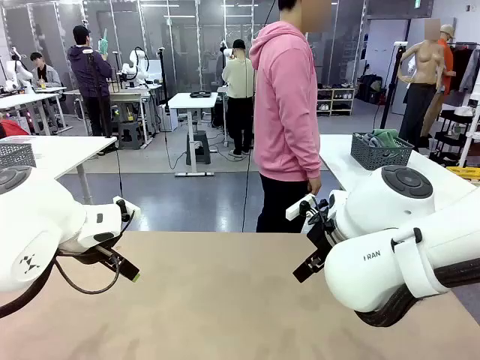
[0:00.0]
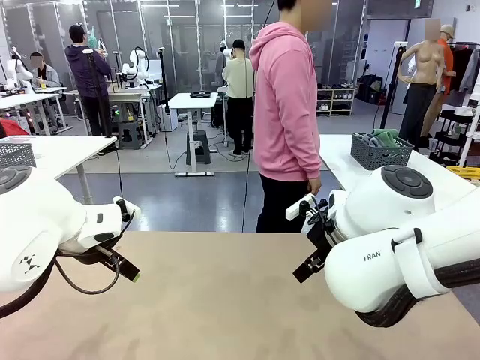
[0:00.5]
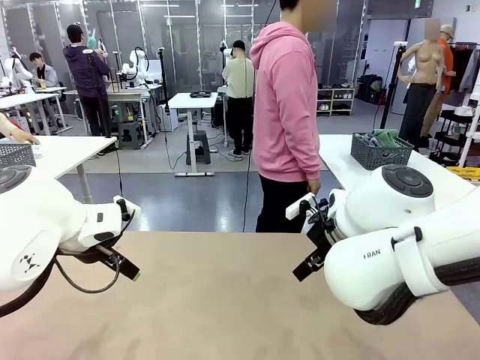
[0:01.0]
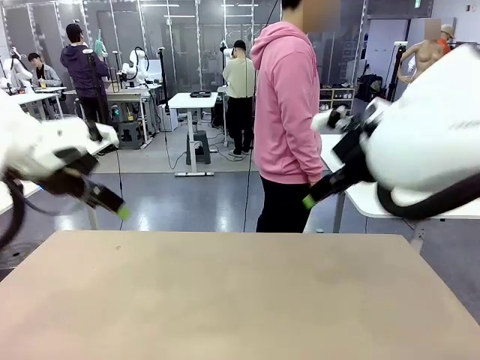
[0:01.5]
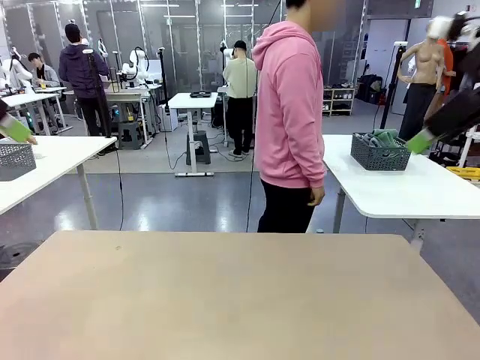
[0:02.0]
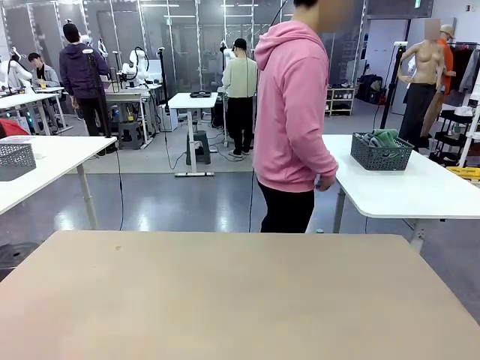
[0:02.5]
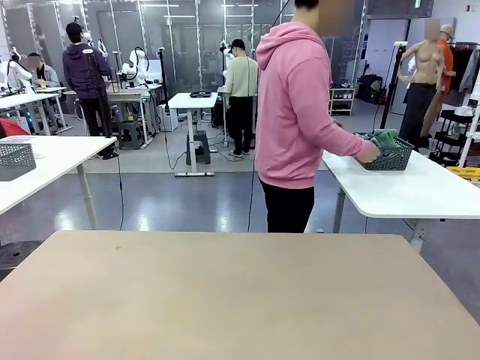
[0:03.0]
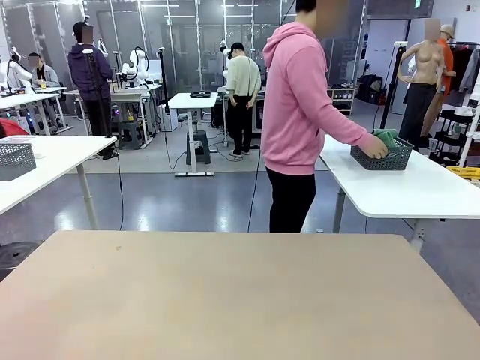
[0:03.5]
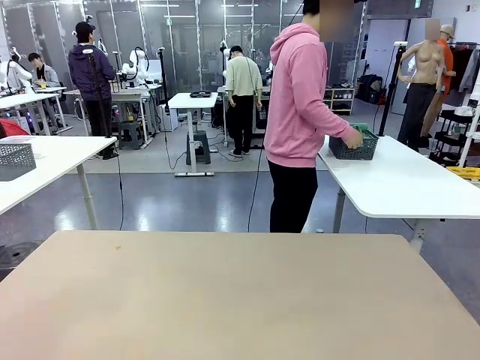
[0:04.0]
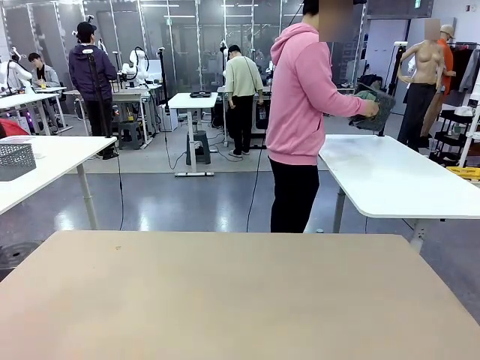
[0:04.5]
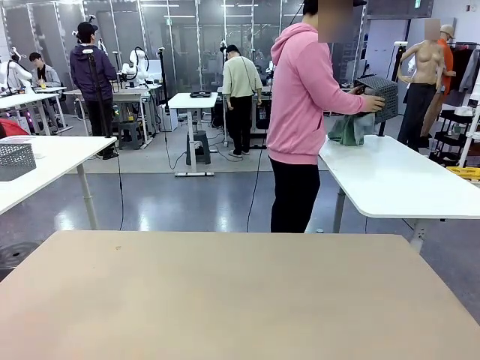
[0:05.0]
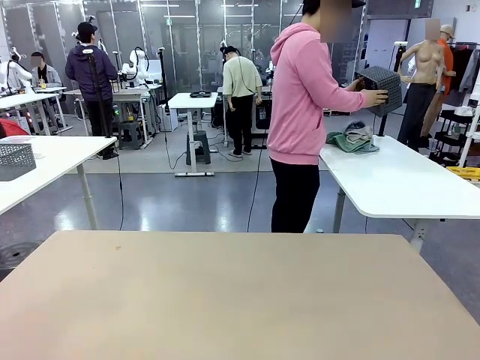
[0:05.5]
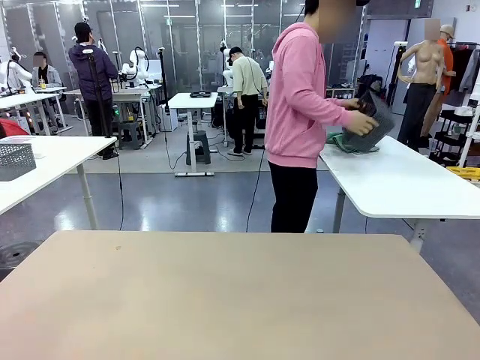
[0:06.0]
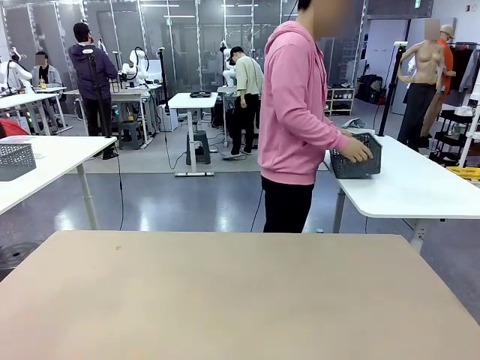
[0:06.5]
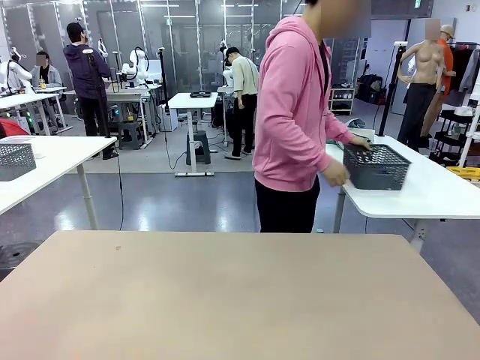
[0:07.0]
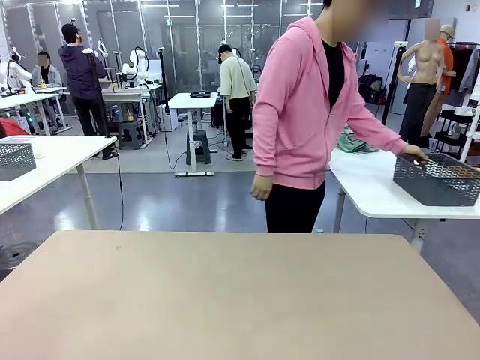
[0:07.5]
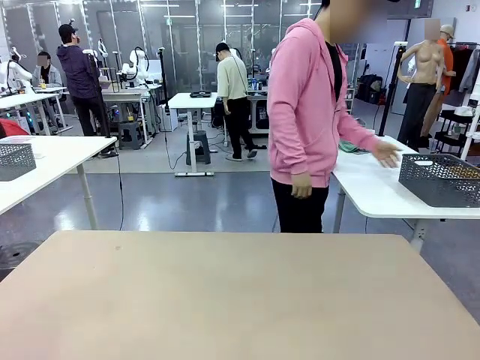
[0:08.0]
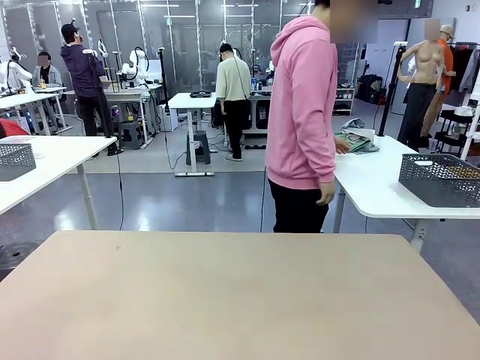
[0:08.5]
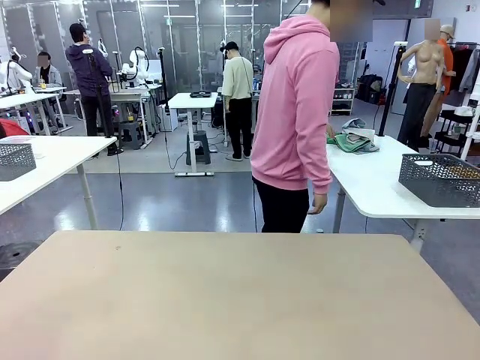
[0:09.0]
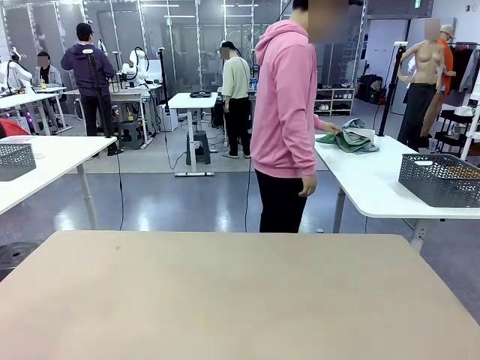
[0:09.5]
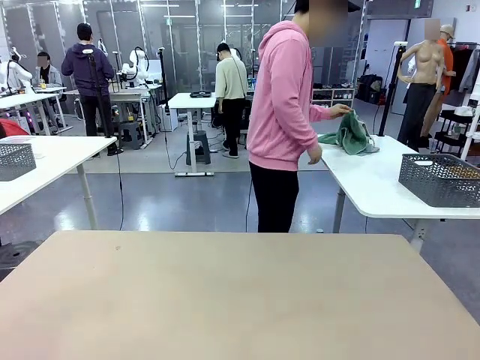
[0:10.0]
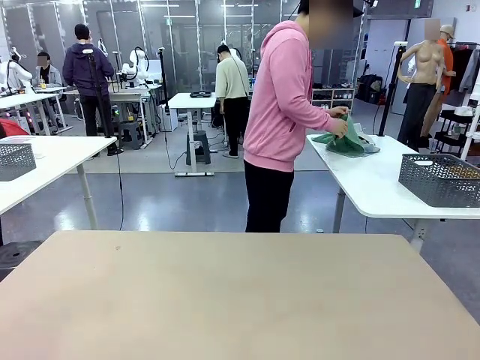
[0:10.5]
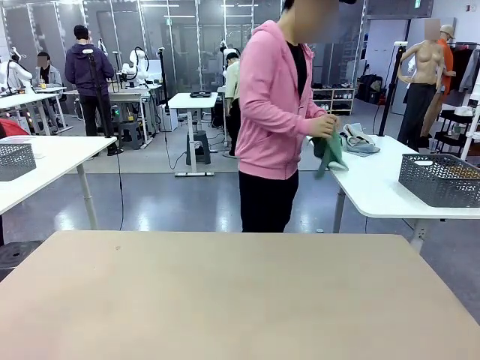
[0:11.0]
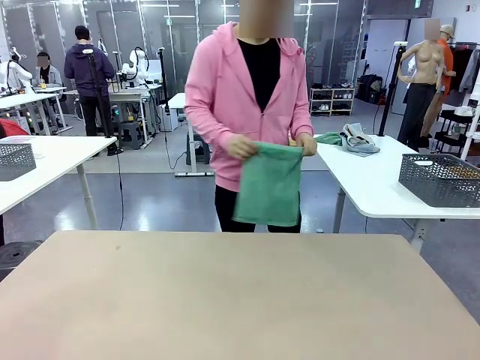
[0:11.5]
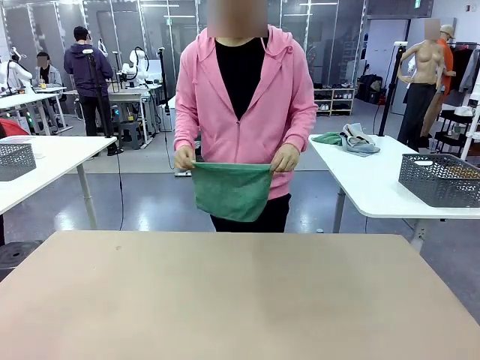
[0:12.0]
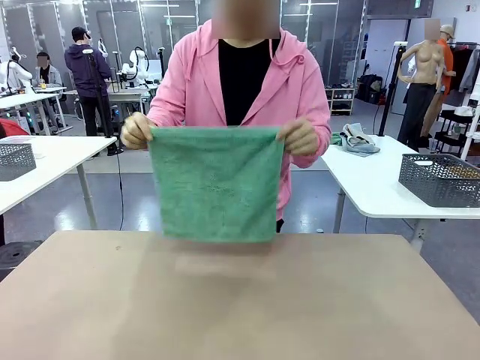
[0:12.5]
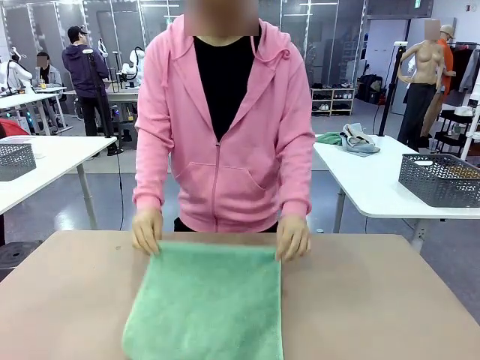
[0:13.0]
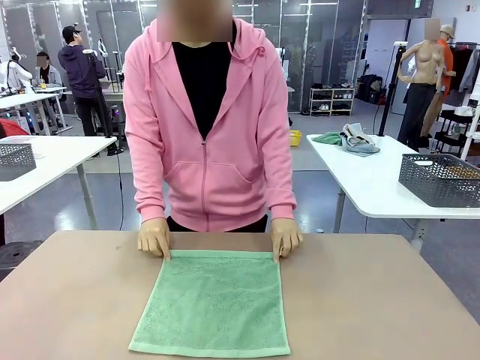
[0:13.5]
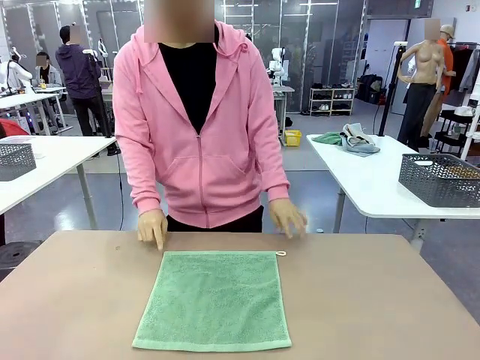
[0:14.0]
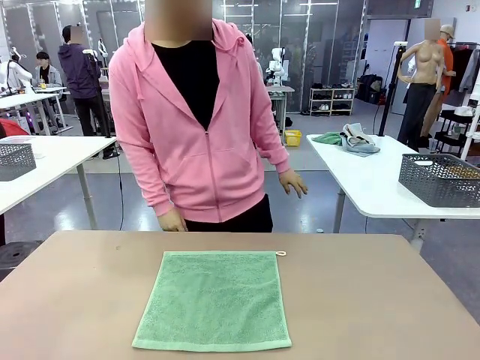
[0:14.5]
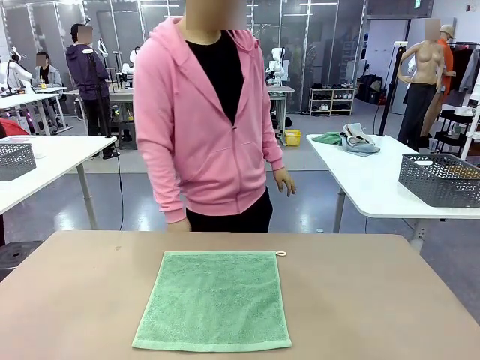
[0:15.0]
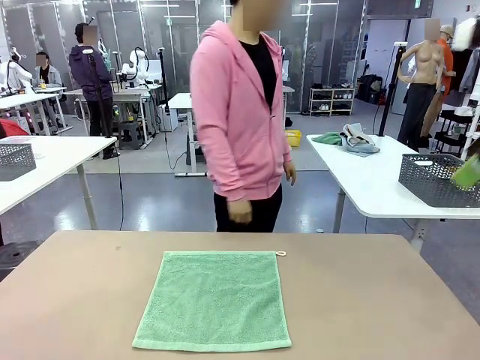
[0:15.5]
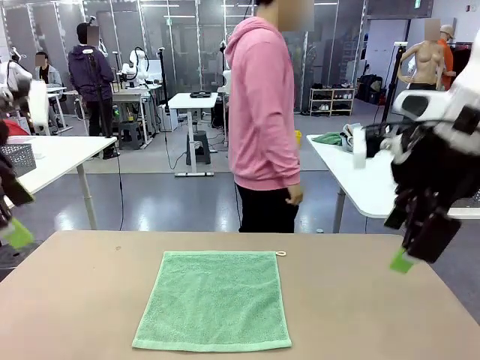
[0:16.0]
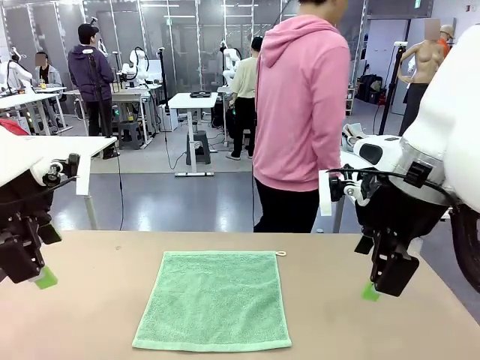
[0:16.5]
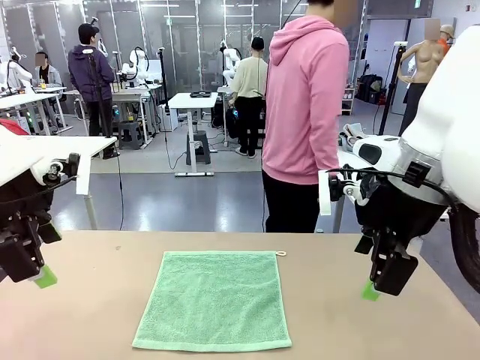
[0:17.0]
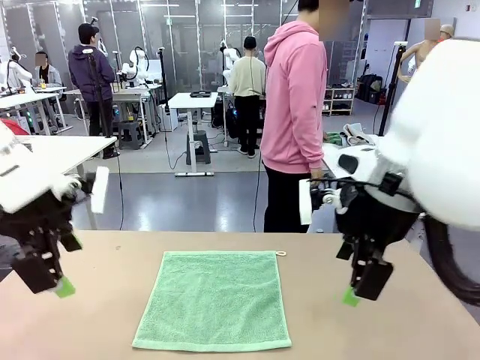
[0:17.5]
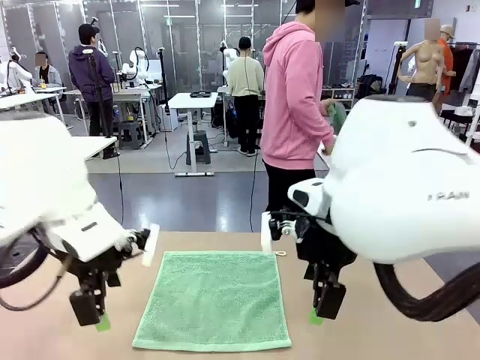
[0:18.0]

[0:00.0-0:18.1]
Task: Fold the towels and place them in the basket.
Robot: When a person lays out a Towel with hook on the table, fold it in half twice.
Person: Pick up the basket, pour the towels onto the left side of the human table, and place the basket on the right side. Pick up one towel and spread it out at the center of the robot table.
